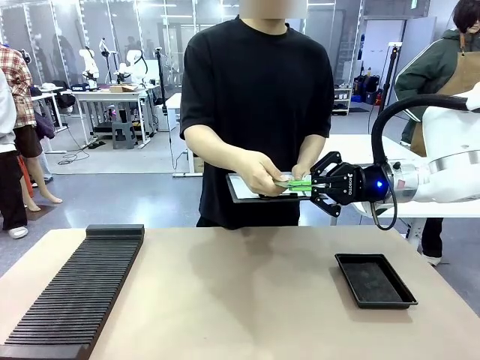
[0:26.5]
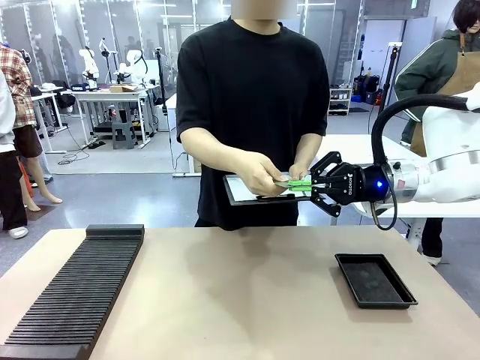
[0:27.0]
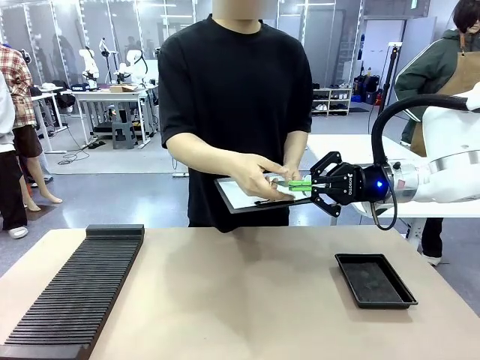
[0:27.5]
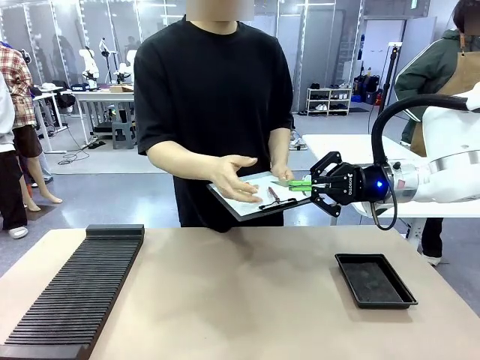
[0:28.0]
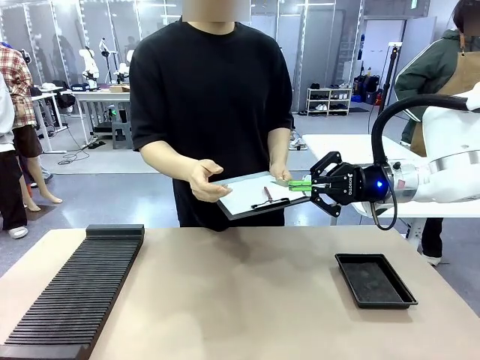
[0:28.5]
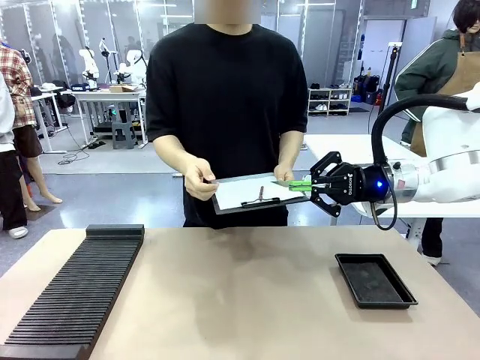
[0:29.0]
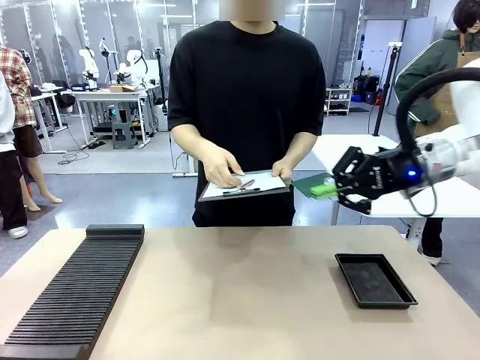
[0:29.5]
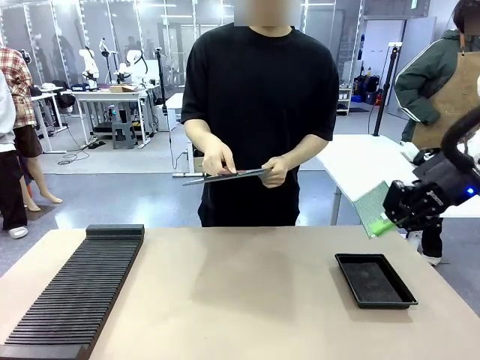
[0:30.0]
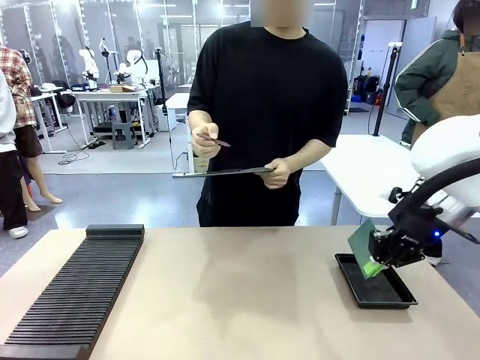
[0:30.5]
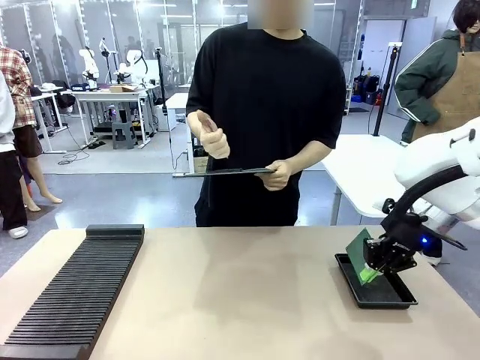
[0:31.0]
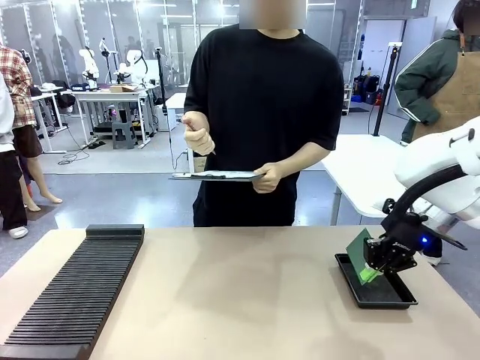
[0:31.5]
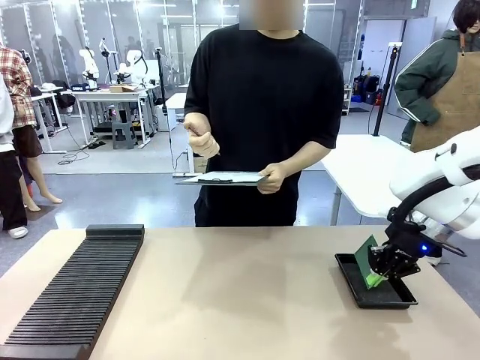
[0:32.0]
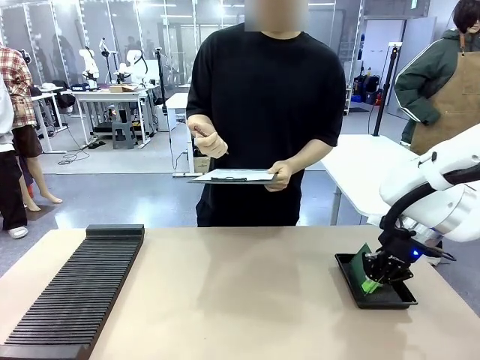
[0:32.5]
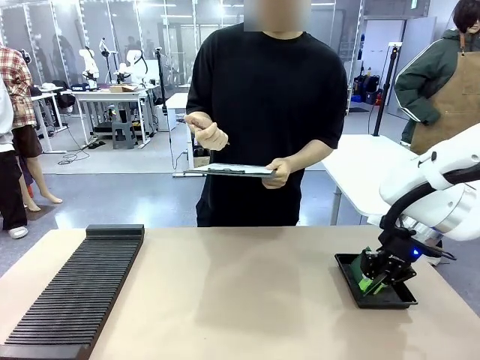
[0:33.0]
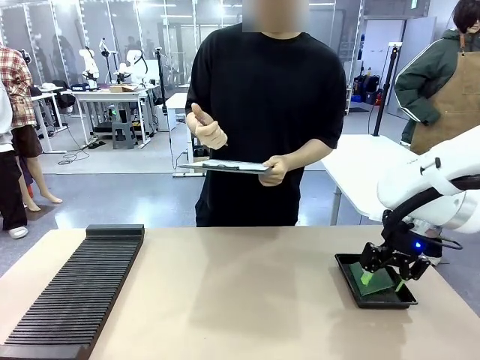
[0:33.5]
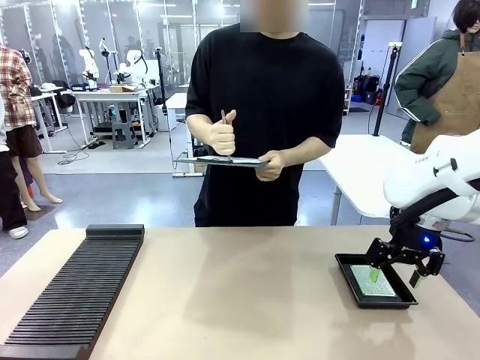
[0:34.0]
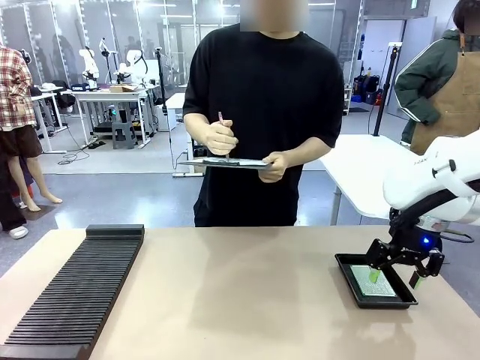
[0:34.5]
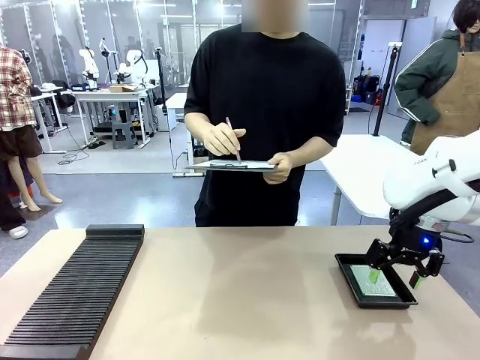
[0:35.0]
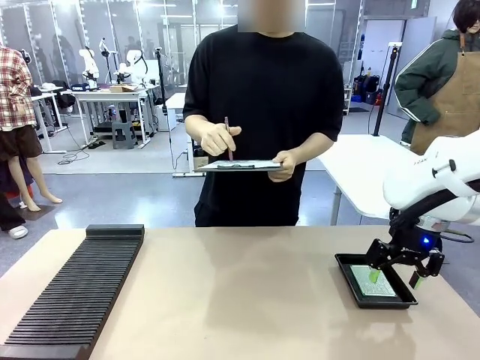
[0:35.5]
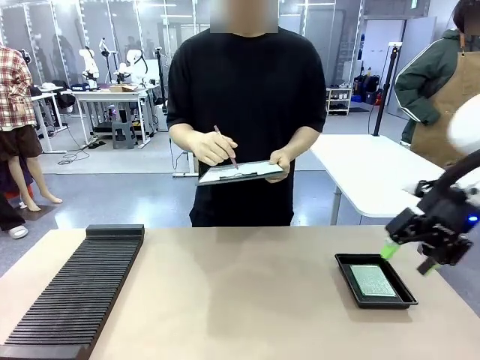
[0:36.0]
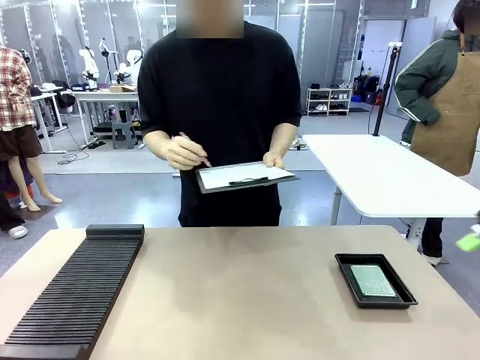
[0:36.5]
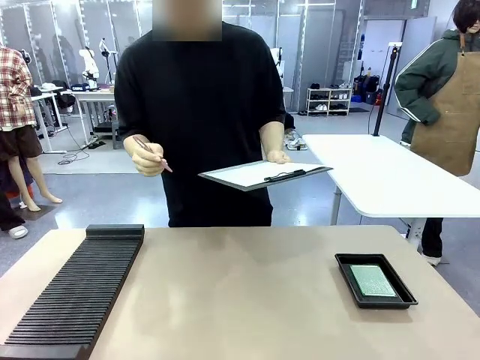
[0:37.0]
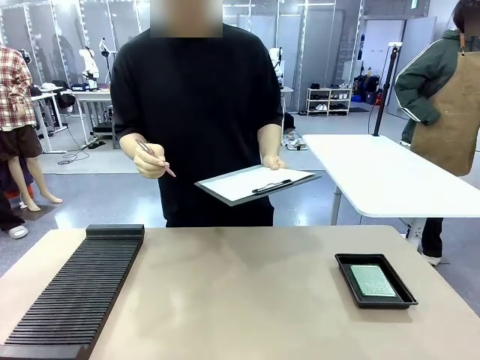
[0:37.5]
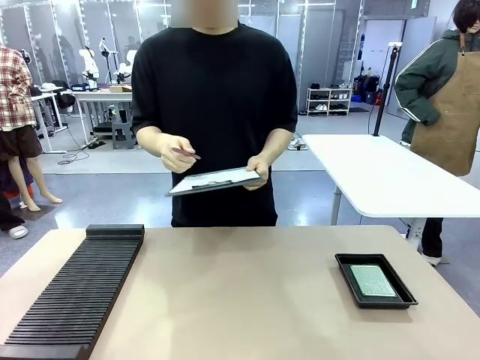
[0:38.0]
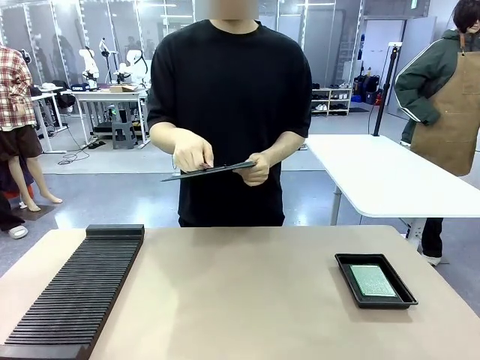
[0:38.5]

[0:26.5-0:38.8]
Task: Inspect the PCB.
Robot: Place the Blank PCB in the ESD tray.
Person: Record the PCB status on the paper.

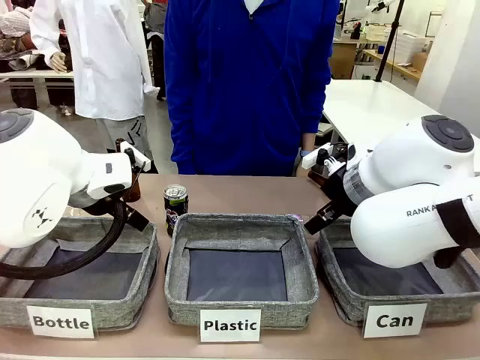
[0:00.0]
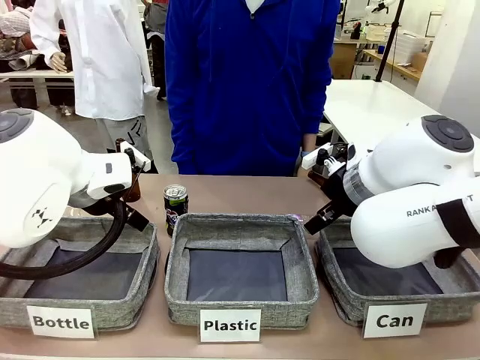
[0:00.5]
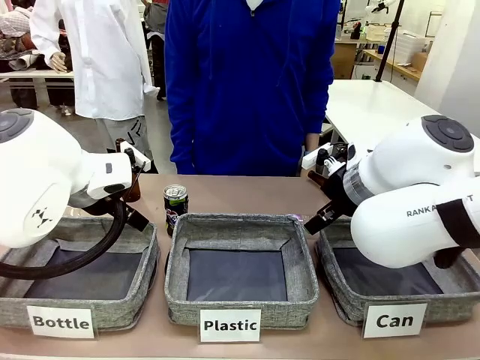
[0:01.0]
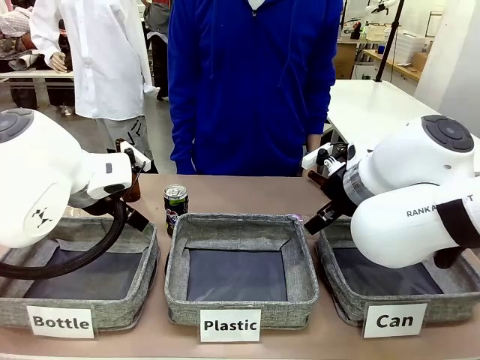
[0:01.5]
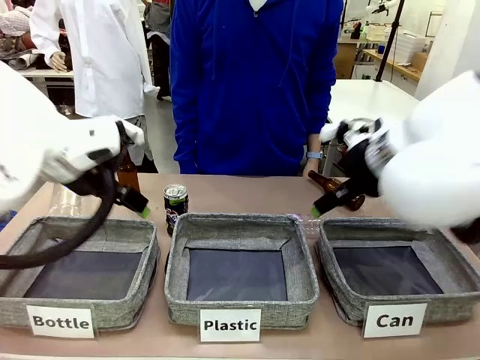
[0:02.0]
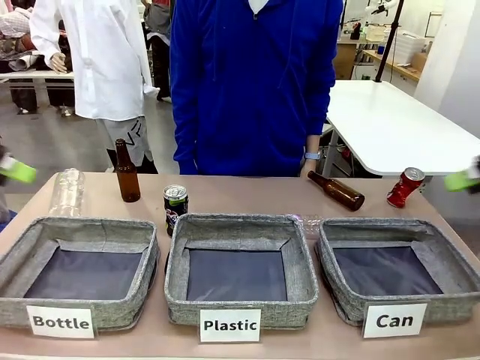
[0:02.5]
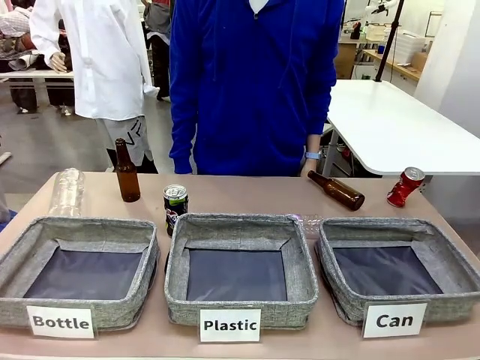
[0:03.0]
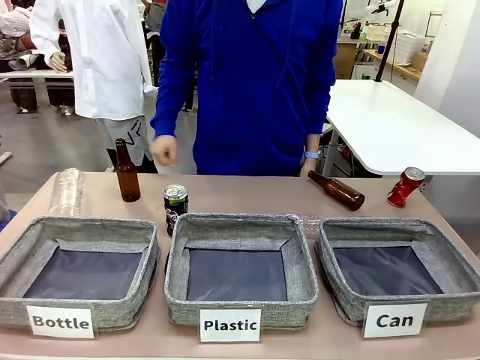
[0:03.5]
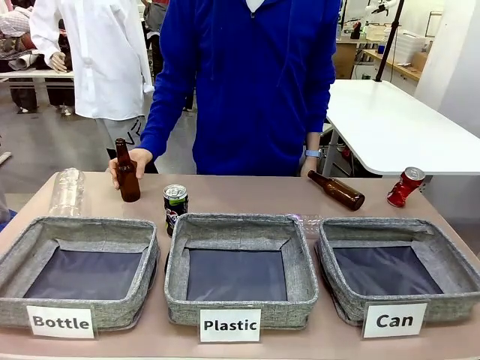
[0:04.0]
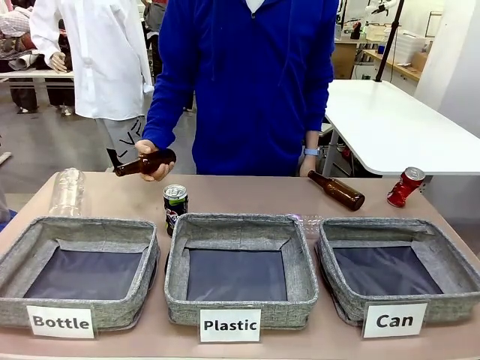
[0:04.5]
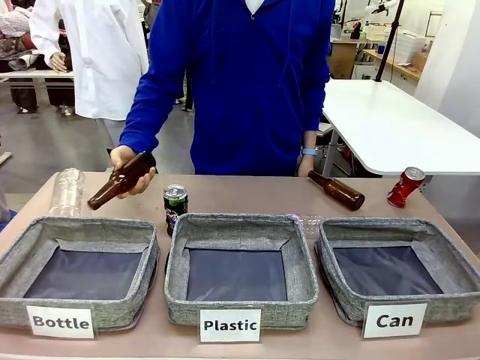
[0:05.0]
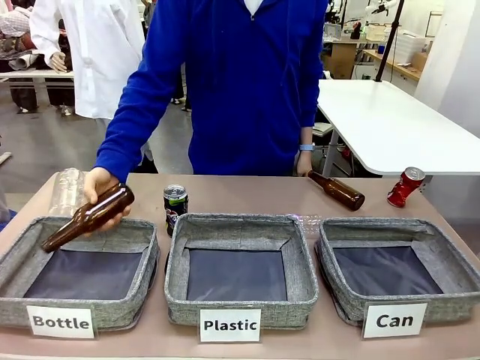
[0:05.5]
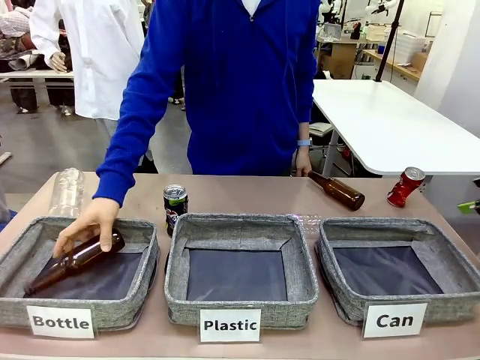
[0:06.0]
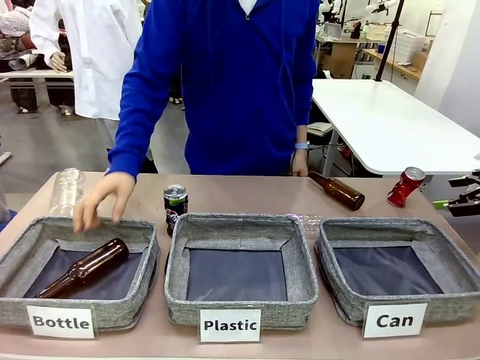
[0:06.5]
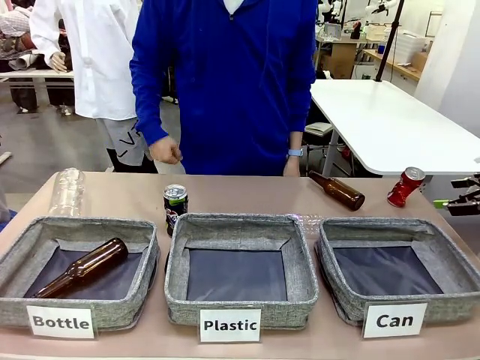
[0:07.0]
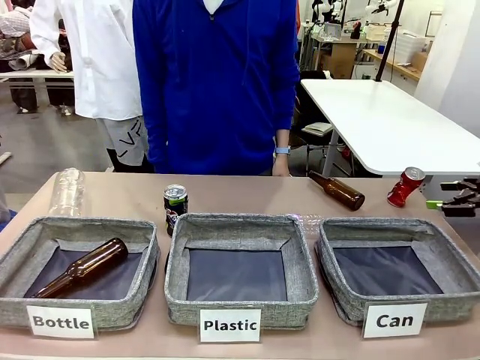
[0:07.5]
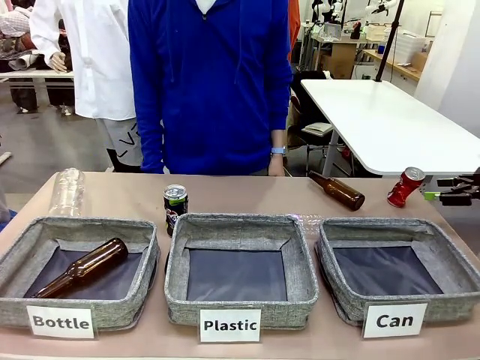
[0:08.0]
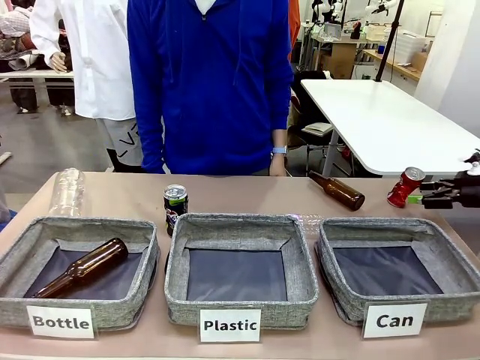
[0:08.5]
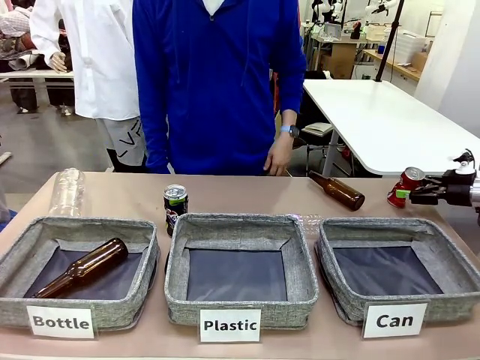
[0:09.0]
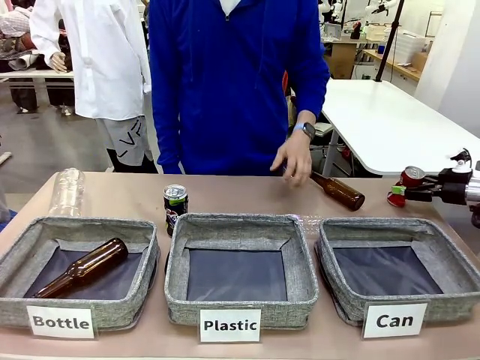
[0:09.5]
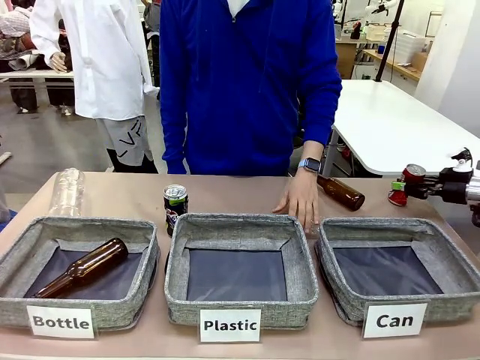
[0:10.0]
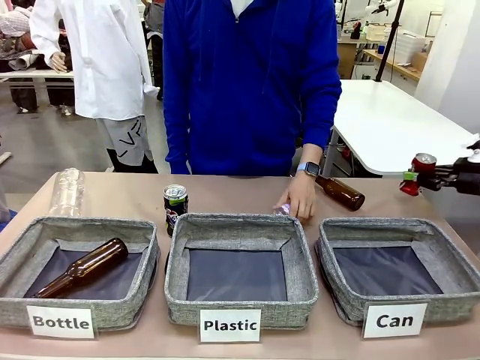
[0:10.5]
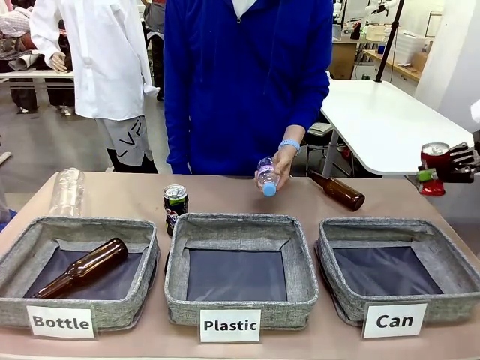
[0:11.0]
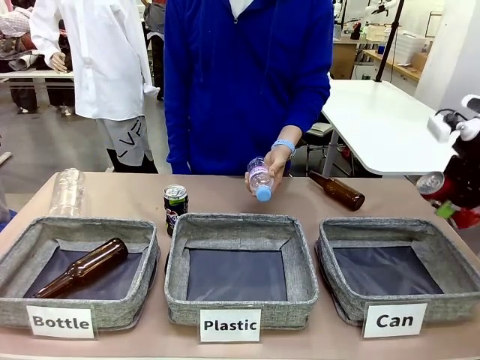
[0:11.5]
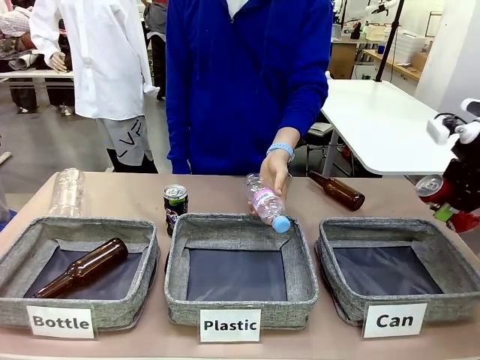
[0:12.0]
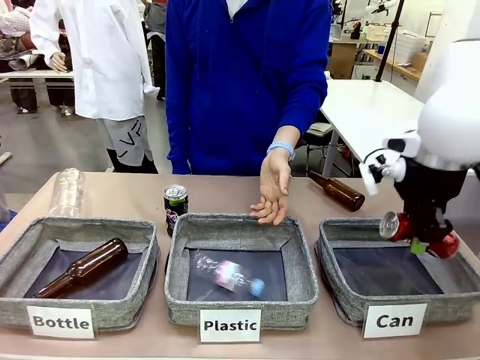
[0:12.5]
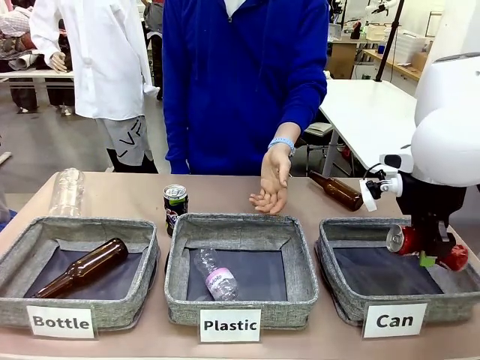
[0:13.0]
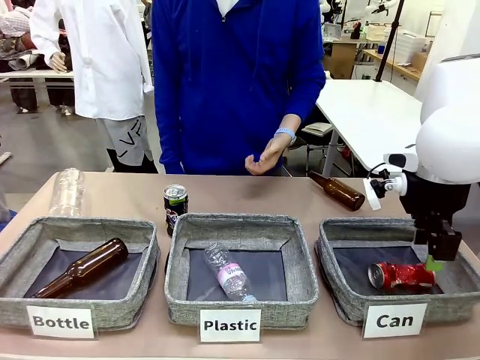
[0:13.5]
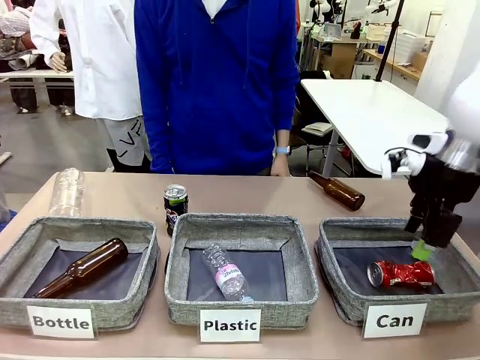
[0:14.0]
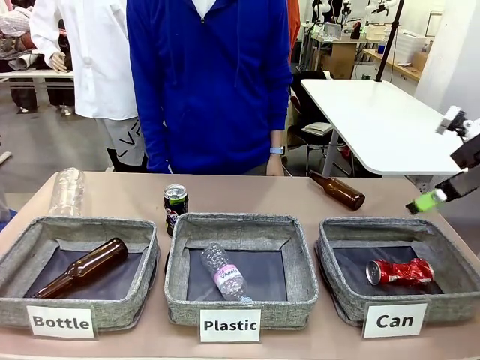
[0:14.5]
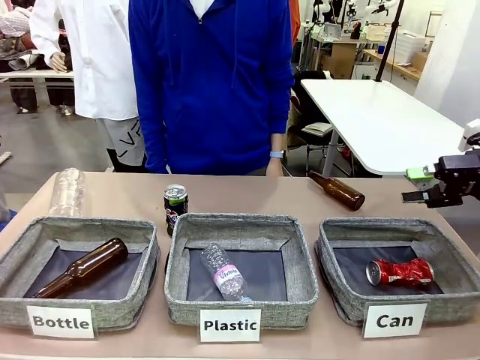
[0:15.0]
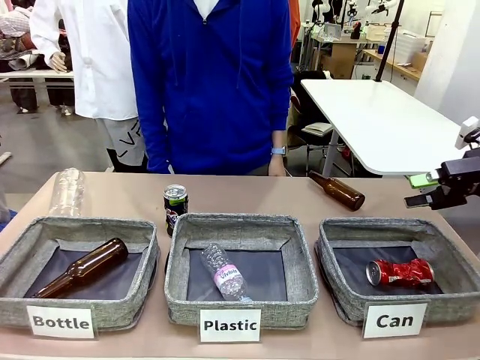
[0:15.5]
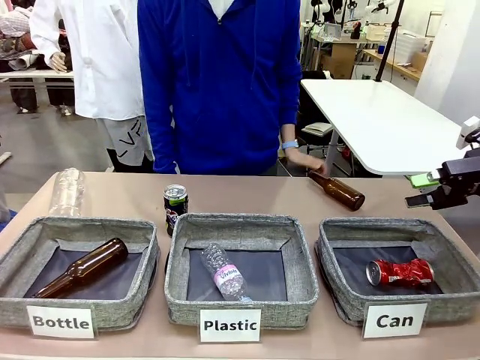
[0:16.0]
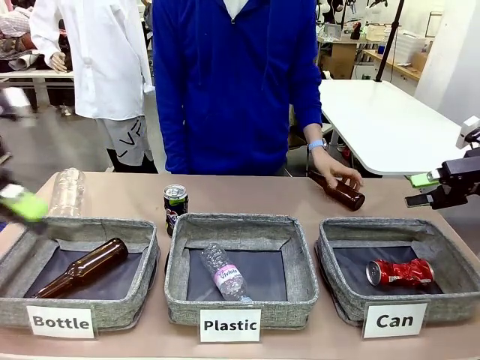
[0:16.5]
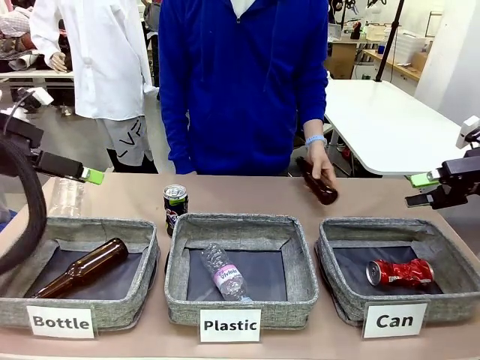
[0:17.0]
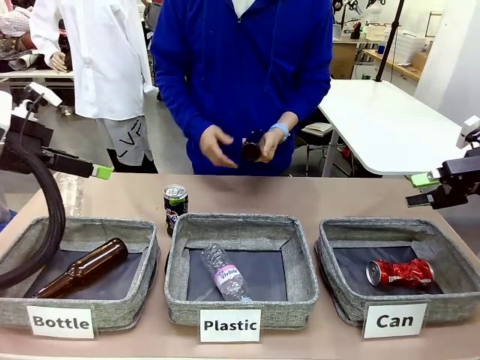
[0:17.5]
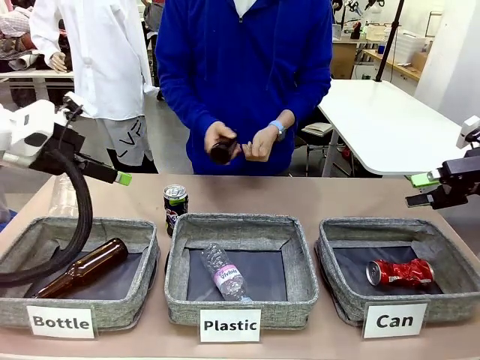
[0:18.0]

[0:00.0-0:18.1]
Task: Sort the can waste into the basket.
Robot: Pick up the can waste from the table and place it in the right Fabric basket.
